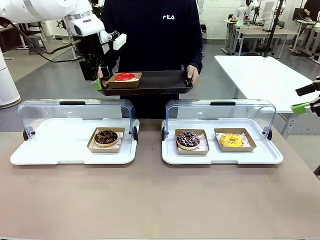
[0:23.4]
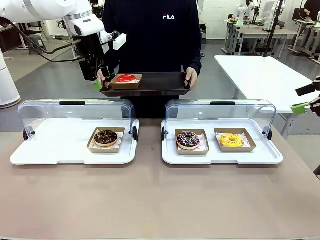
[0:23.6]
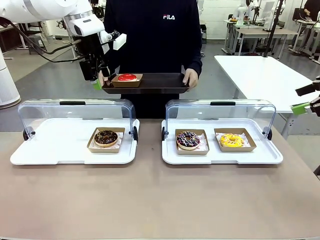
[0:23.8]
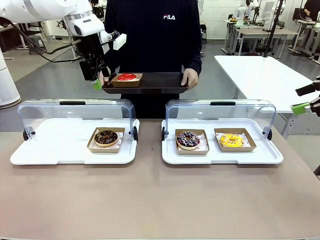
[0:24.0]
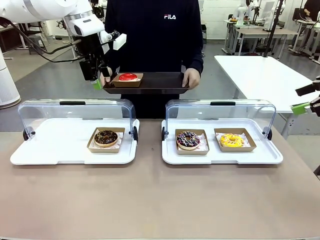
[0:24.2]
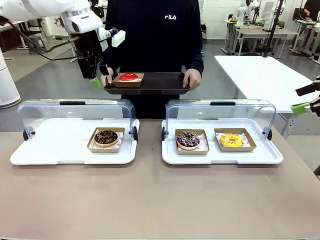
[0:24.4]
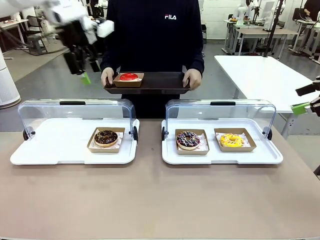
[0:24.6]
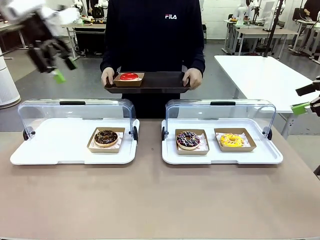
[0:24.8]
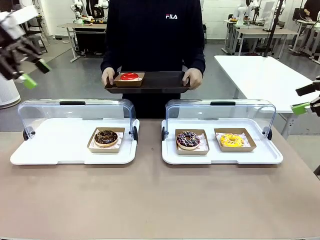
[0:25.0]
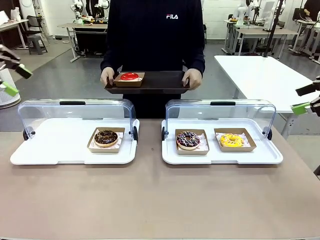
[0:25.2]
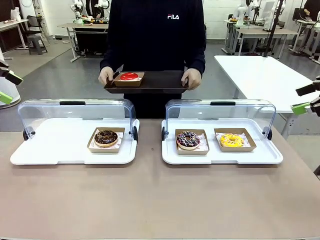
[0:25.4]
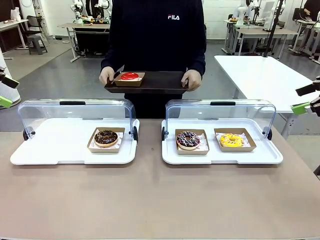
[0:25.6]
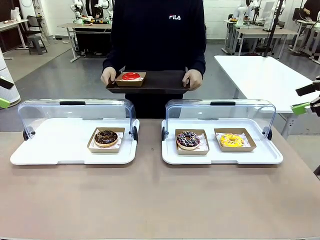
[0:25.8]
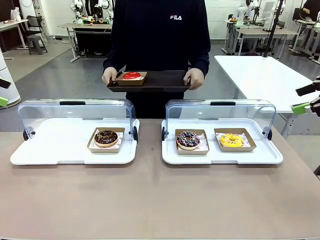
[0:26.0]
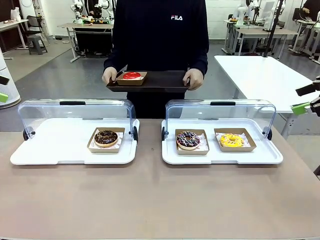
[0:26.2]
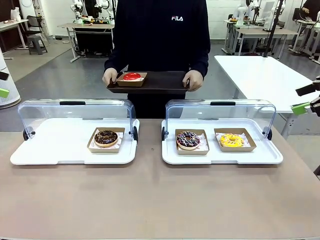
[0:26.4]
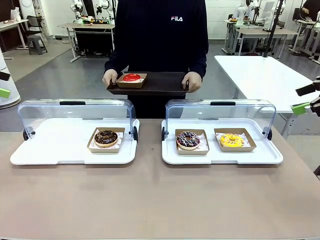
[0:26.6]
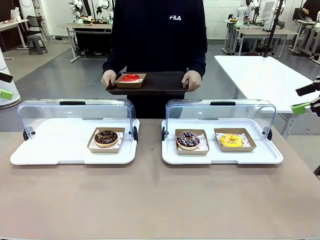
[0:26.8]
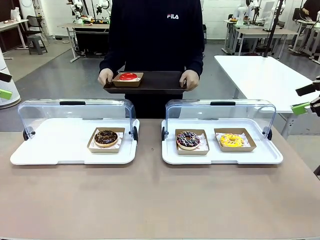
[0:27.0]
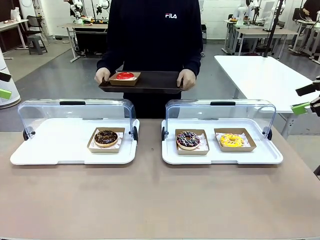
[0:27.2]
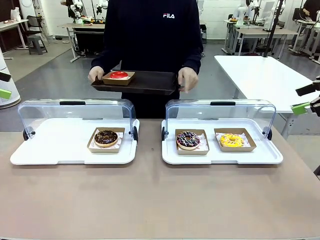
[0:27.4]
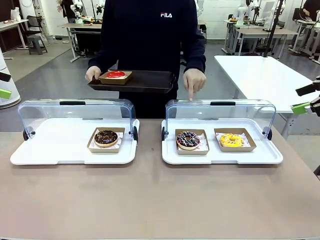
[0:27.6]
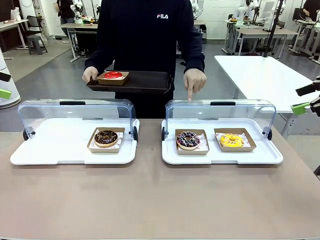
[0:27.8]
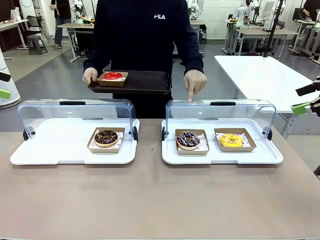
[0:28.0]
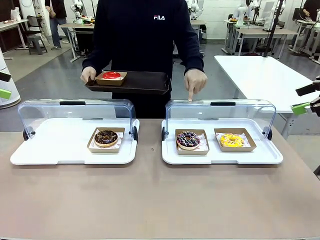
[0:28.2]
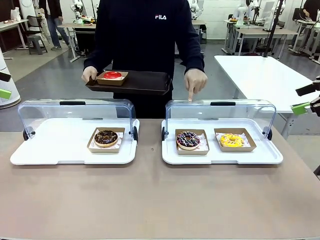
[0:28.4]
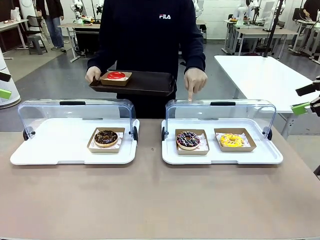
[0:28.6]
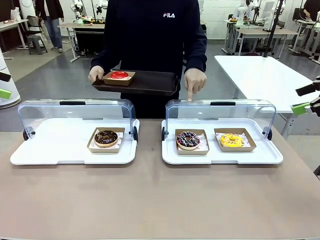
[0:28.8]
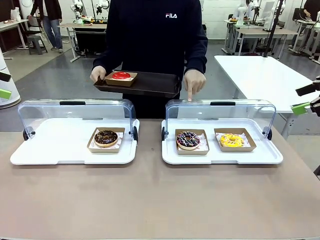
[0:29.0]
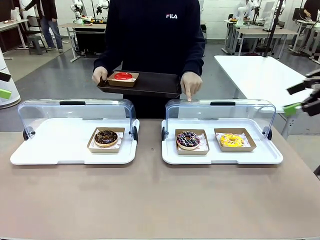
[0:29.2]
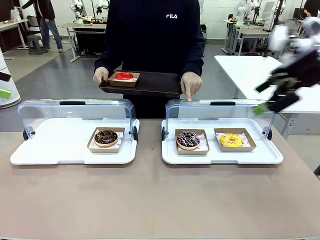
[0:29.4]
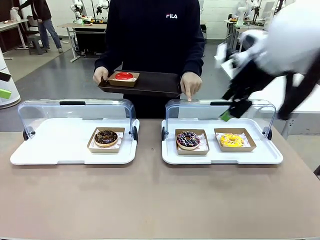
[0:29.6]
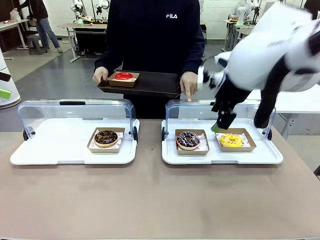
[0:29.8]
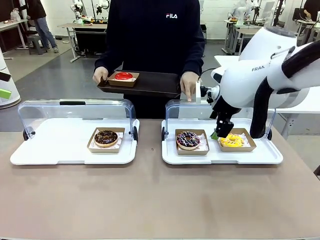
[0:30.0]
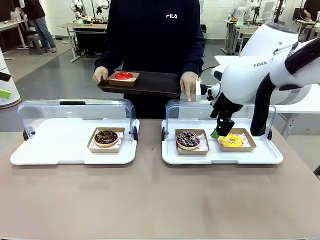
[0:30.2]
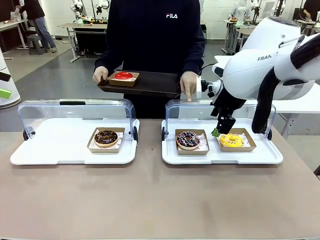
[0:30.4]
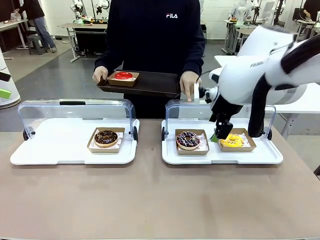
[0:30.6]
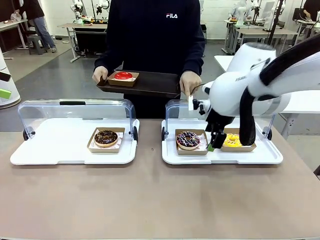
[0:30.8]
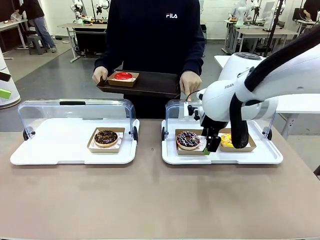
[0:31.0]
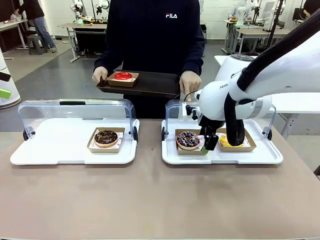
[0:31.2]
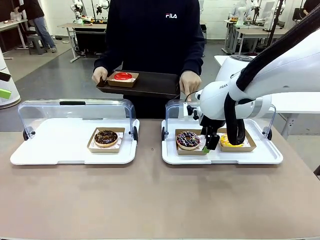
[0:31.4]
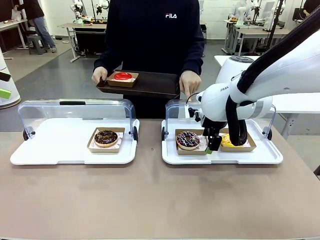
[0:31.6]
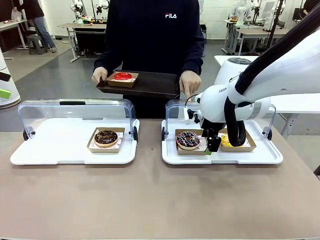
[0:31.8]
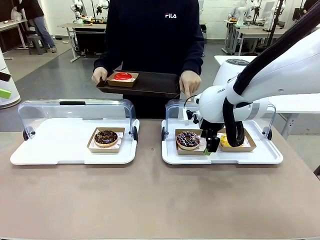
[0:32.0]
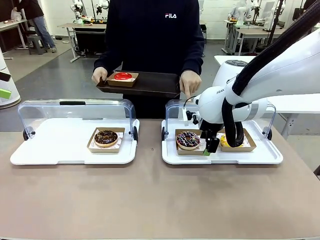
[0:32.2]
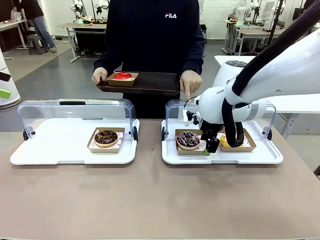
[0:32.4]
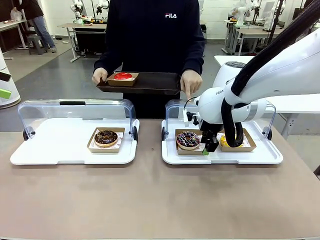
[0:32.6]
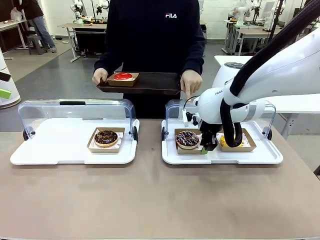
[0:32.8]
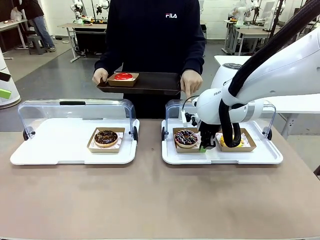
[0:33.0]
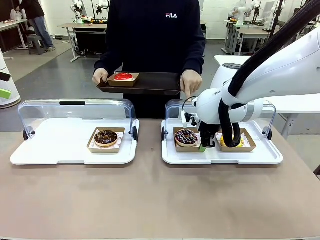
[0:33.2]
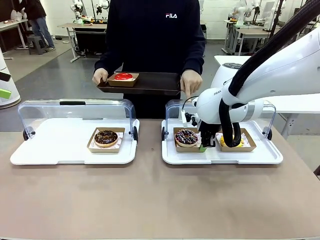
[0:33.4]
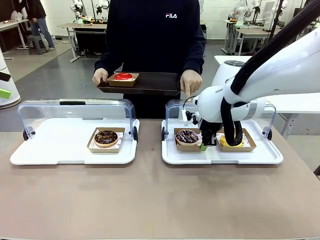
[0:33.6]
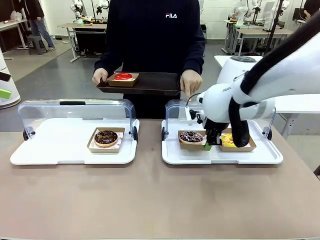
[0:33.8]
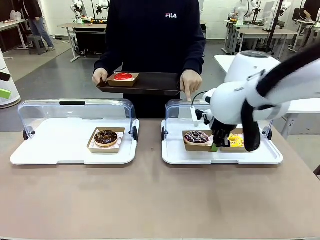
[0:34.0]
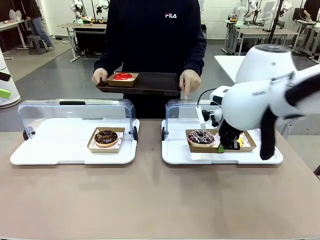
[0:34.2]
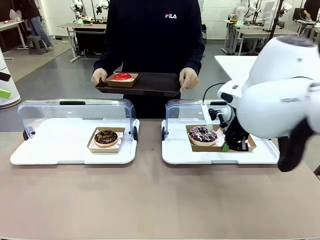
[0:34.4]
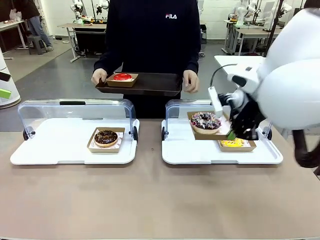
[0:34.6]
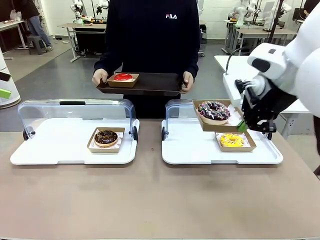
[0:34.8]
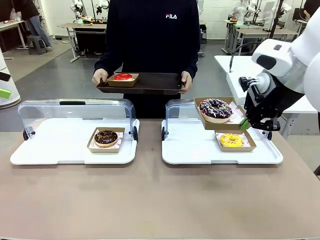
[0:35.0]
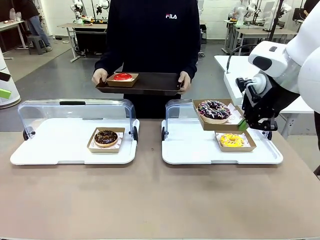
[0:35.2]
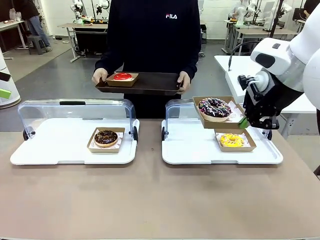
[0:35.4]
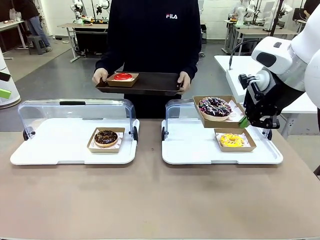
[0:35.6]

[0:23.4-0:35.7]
Task: Provide the desired donut to the person.
Robot: Pick up and lift the Paper togo box containing the Donut pointed at by the person.
Person: Lift the tray onto the Roll-Top Bakery Case.

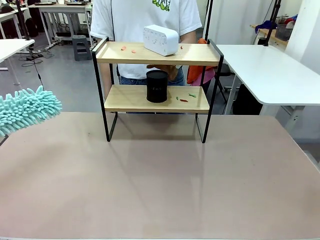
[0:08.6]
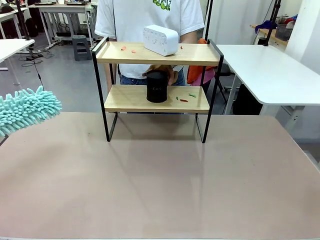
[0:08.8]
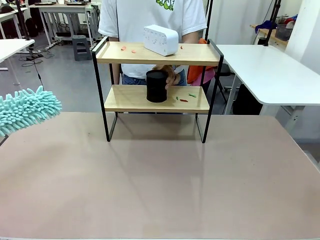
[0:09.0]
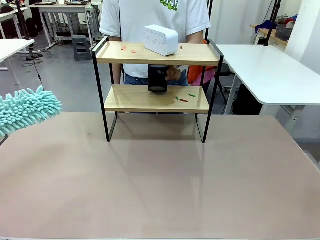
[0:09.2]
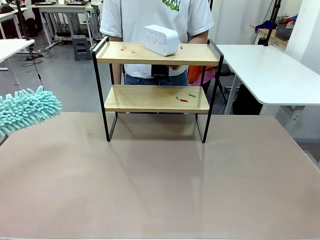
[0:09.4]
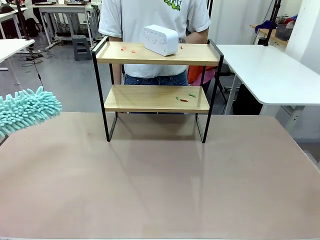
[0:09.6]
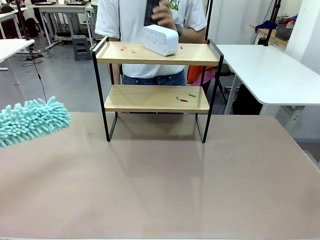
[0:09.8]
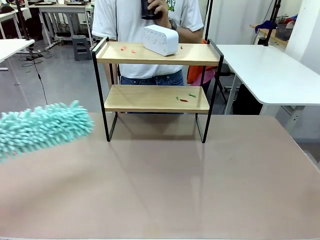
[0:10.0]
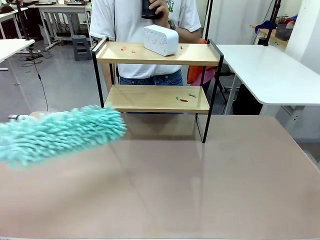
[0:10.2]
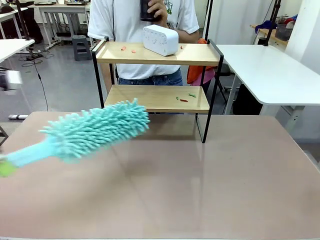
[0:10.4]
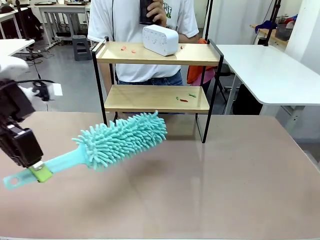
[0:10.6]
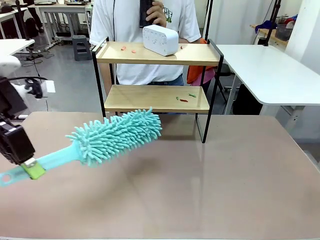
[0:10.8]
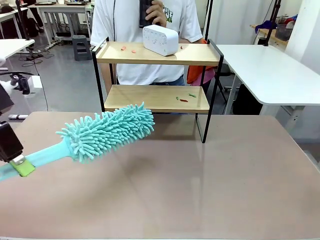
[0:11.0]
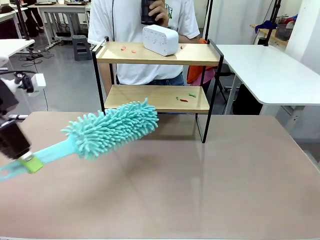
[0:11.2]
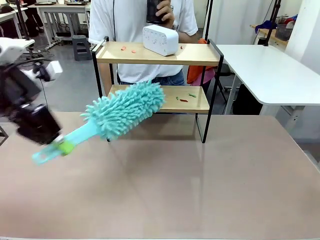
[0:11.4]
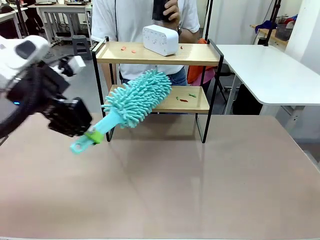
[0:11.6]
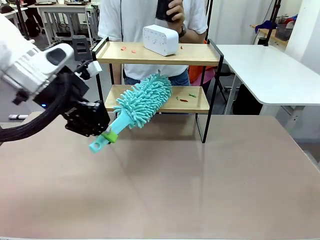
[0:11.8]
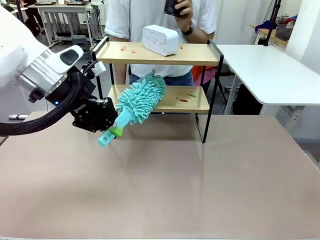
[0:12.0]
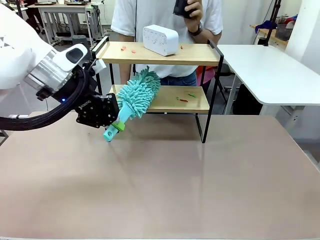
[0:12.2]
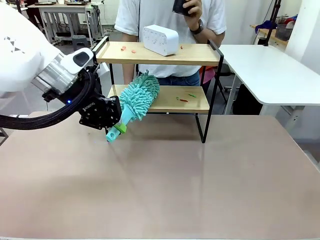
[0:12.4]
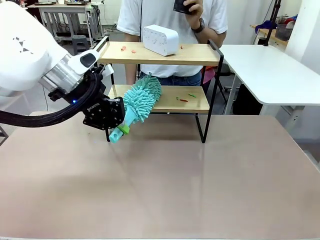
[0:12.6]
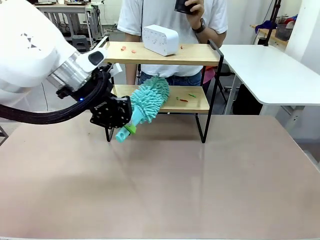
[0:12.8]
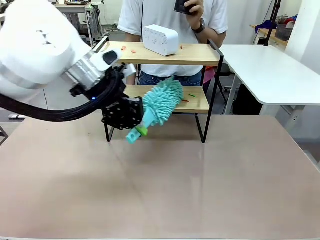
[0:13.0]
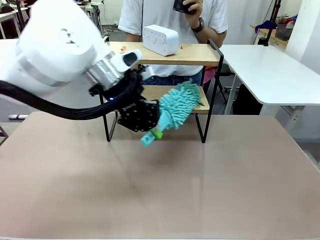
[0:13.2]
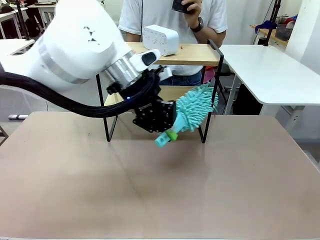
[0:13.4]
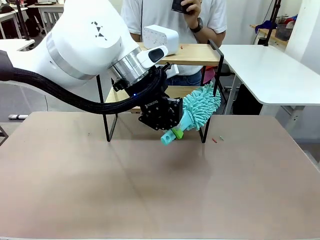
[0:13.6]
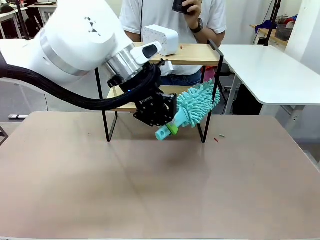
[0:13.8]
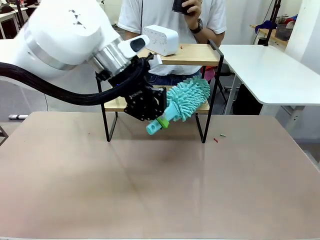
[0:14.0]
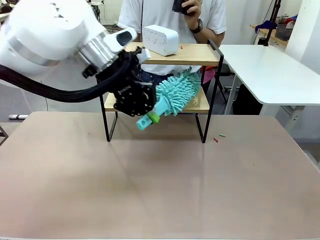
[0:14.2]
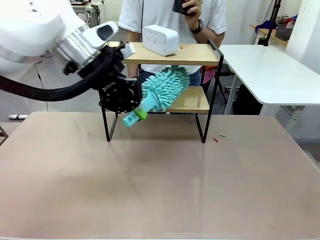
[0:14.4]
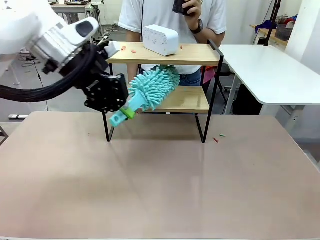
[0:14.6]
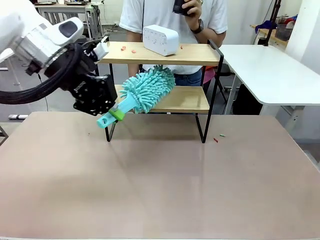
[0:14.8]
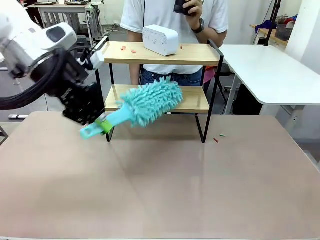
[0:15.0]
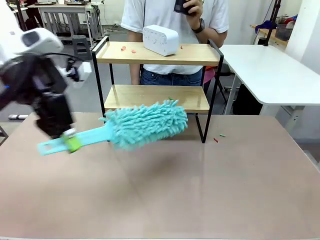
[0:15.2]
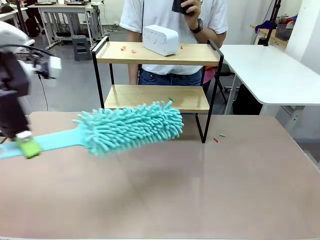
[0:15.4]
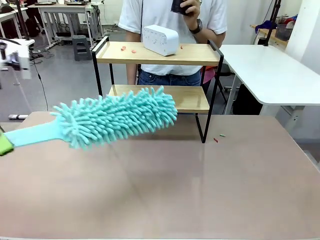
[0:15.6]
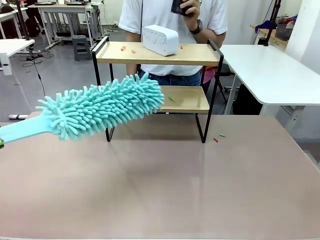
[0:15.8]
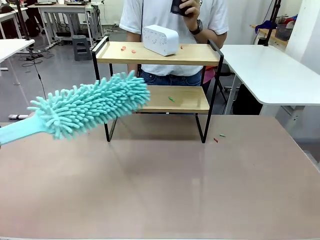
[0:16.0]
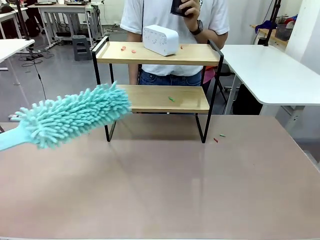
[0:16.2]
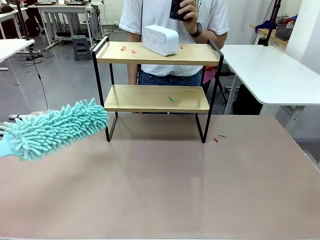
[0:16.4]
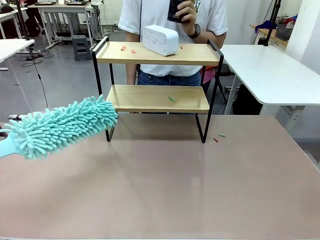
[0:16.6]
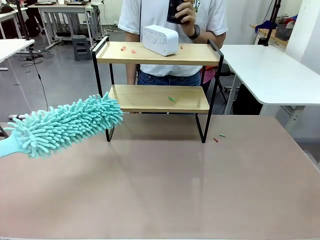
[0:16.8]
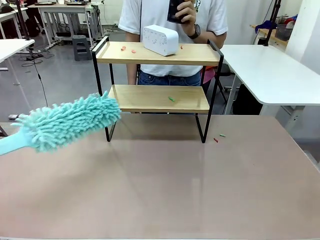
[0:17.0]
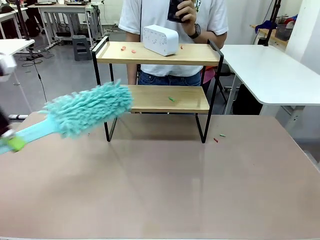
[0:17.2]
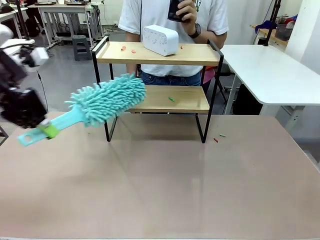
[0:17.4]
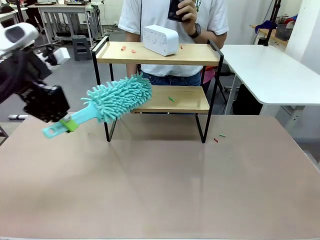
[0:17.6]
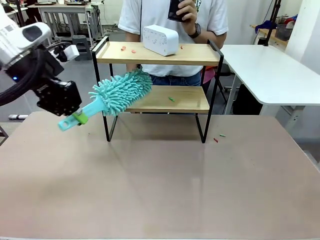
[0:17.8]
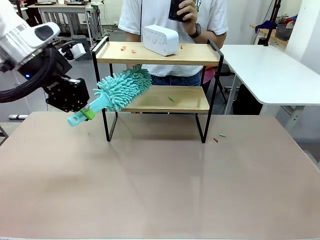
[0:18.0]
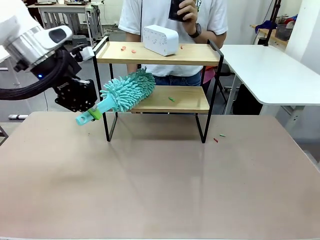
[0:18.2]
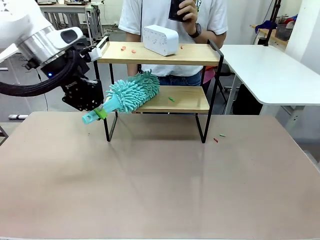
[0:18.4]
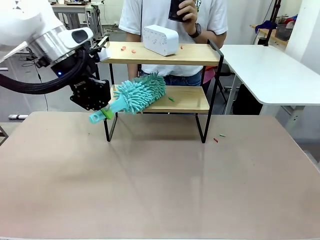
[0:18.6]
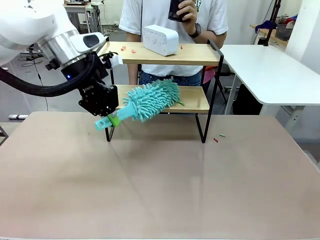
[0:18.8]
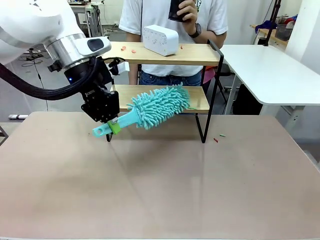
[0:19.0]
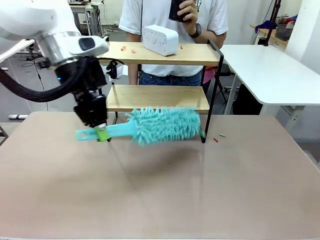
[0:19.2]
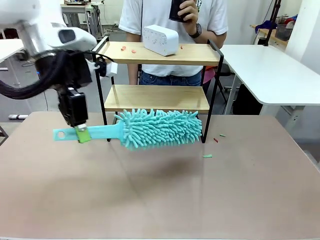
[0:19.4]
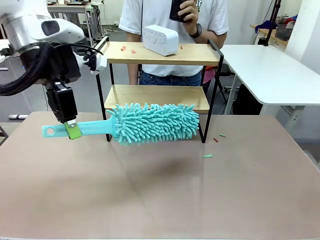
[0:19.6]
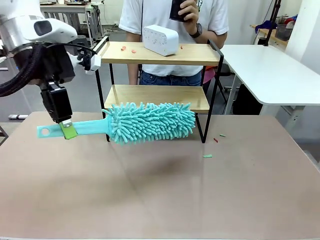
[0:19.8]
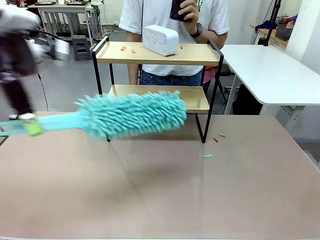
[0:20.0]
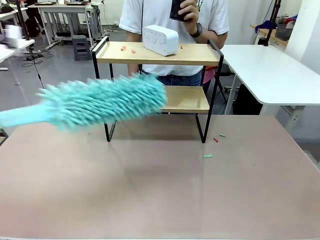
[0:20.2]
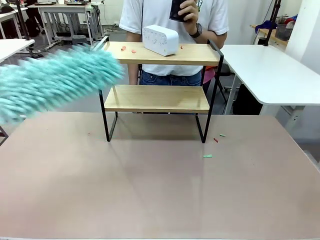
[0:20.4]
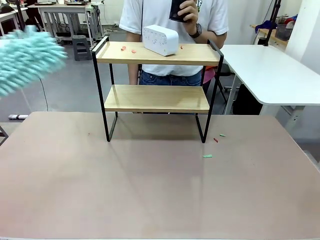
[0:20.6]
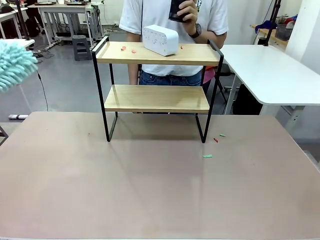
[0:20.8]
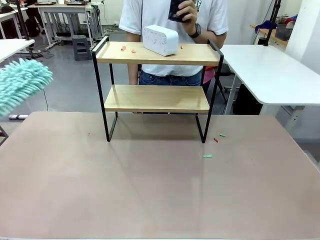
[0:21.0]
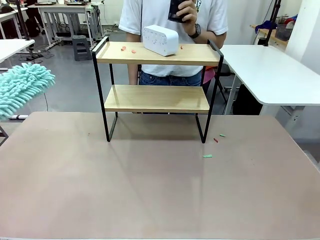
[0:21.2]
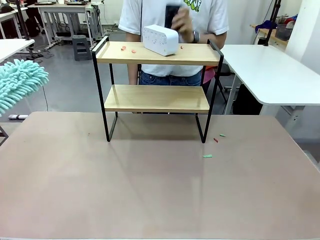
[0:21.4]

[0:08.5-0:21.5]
Task: Clean the shelf.
Robot: Clean the specific tier of the Shelf with the Duster once objects are removed.
Person: Lift the objects on a randomly selected tier of the Shelf. Once the robot finishes cleaning, lift the objects on the remaining tiers of the Shelf.
